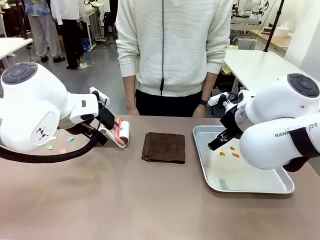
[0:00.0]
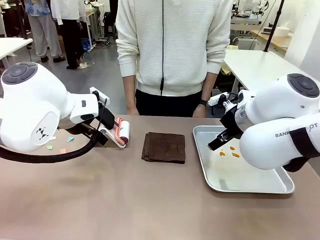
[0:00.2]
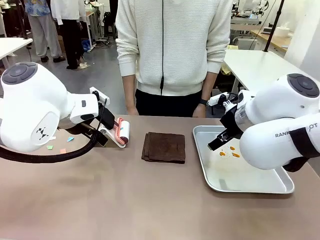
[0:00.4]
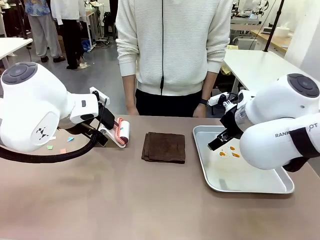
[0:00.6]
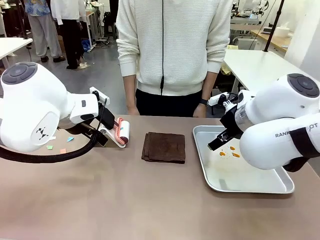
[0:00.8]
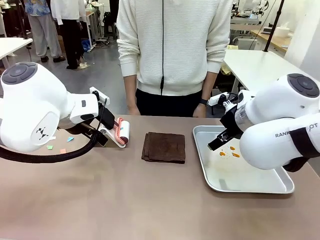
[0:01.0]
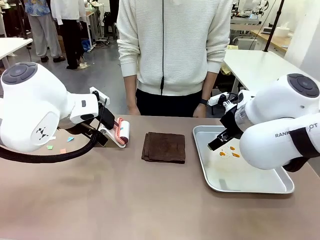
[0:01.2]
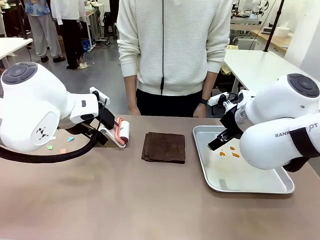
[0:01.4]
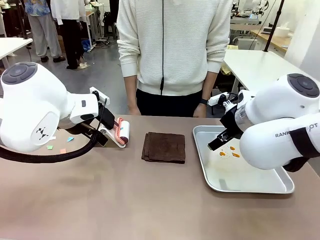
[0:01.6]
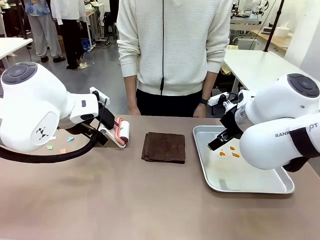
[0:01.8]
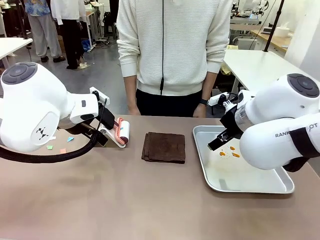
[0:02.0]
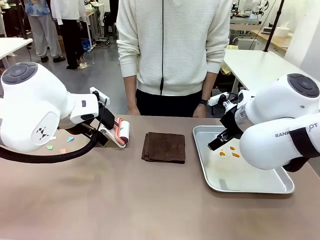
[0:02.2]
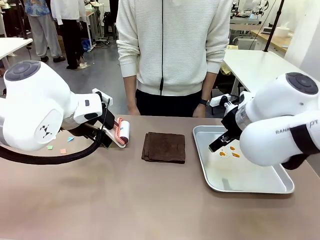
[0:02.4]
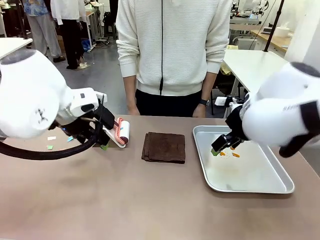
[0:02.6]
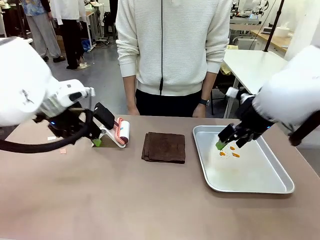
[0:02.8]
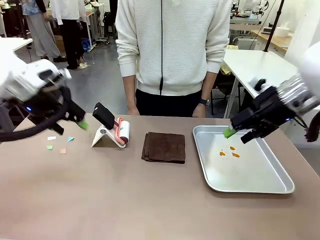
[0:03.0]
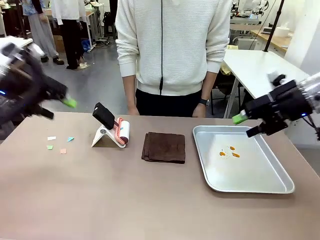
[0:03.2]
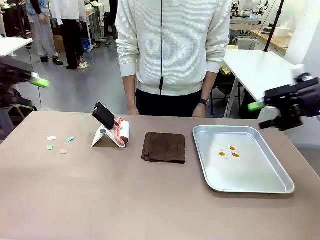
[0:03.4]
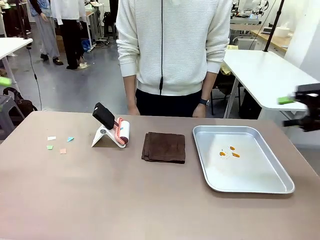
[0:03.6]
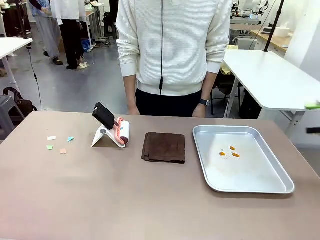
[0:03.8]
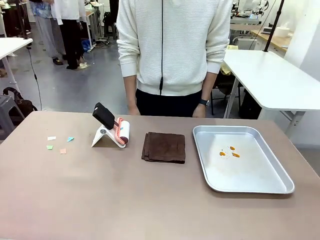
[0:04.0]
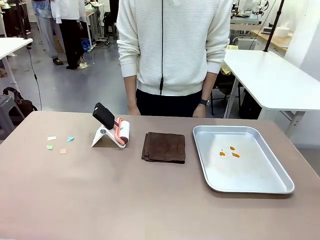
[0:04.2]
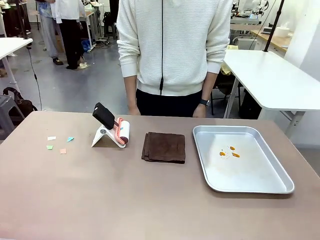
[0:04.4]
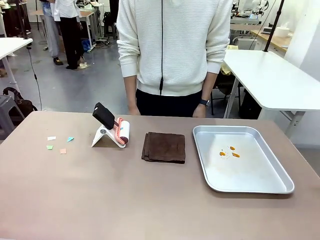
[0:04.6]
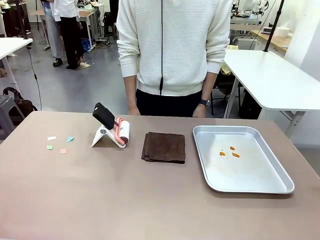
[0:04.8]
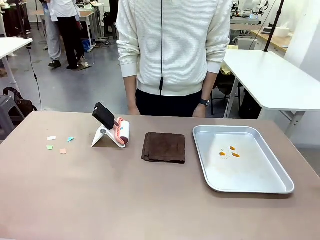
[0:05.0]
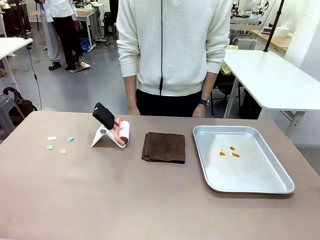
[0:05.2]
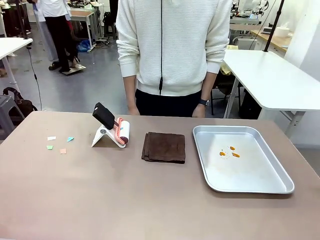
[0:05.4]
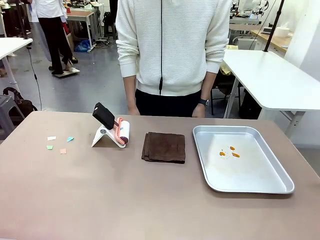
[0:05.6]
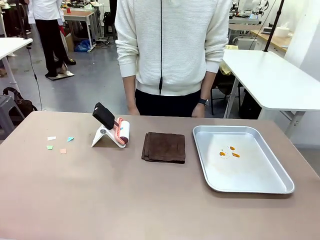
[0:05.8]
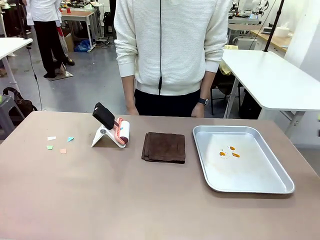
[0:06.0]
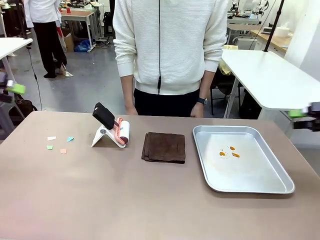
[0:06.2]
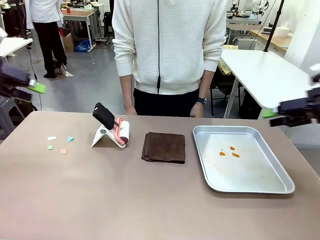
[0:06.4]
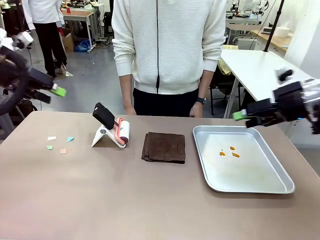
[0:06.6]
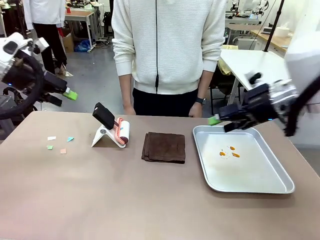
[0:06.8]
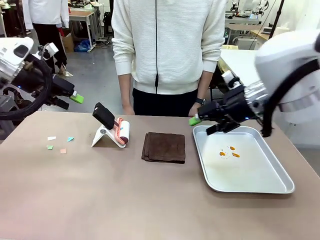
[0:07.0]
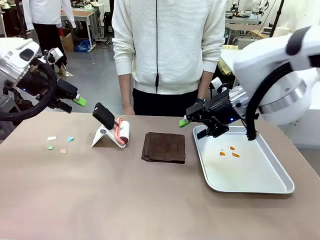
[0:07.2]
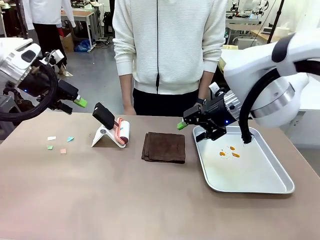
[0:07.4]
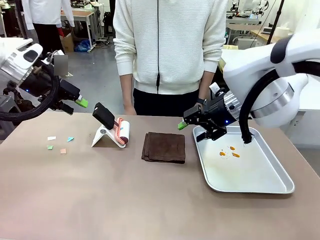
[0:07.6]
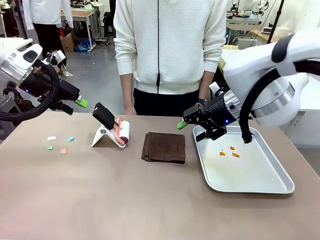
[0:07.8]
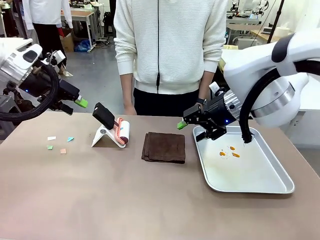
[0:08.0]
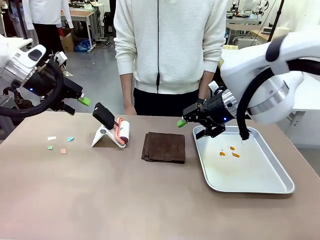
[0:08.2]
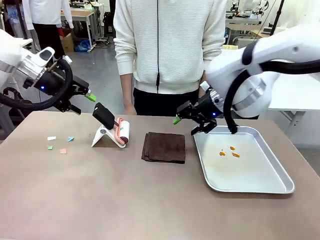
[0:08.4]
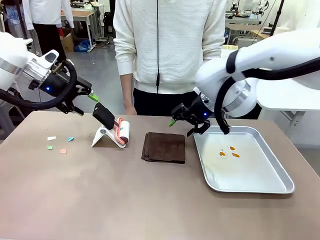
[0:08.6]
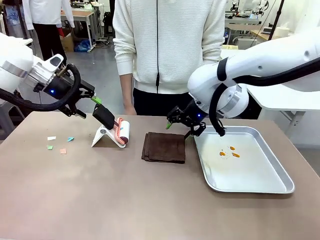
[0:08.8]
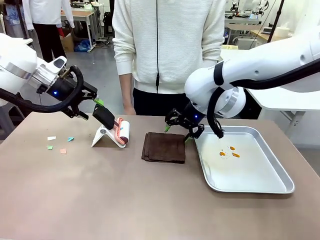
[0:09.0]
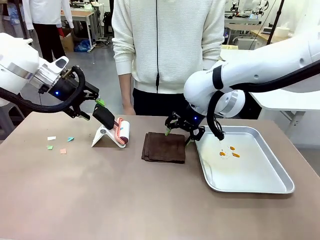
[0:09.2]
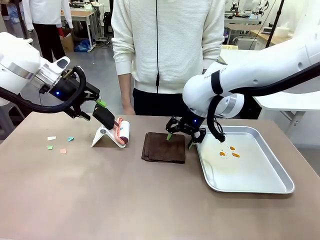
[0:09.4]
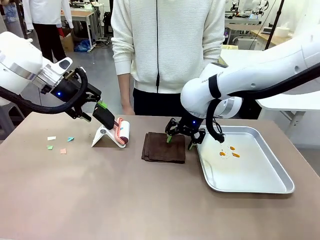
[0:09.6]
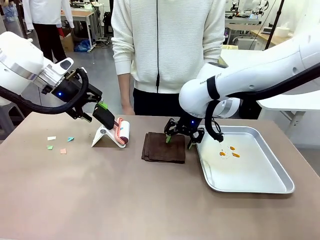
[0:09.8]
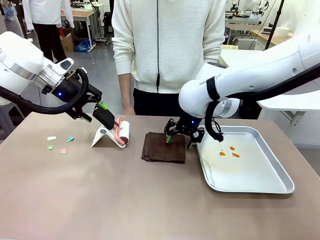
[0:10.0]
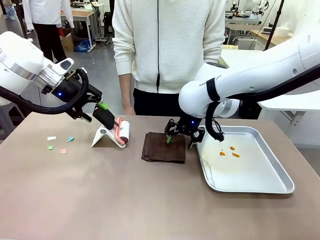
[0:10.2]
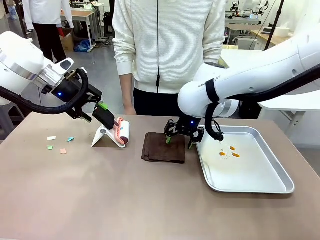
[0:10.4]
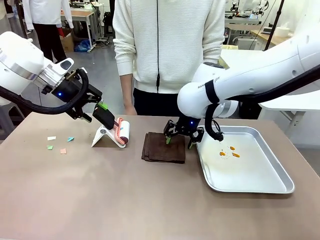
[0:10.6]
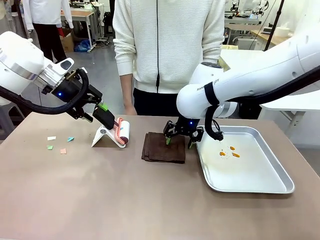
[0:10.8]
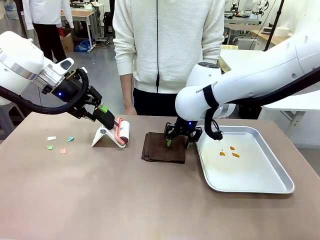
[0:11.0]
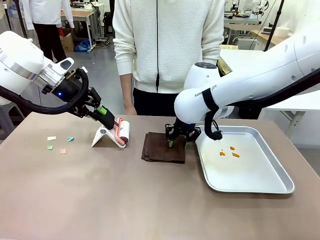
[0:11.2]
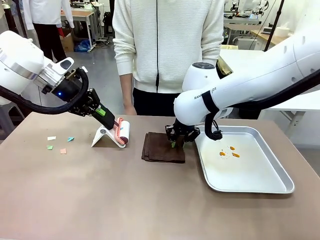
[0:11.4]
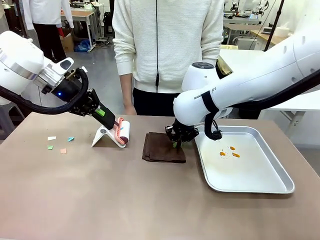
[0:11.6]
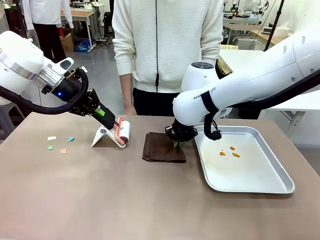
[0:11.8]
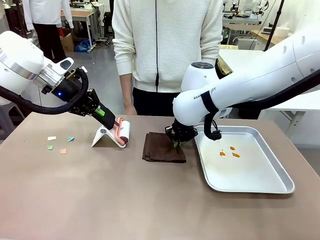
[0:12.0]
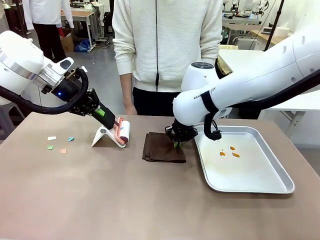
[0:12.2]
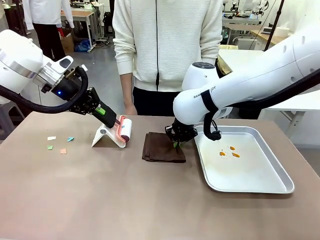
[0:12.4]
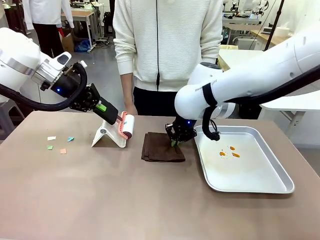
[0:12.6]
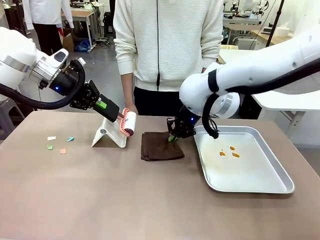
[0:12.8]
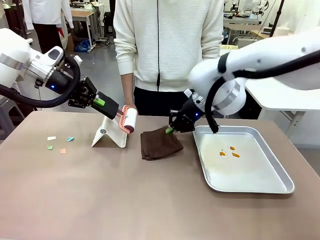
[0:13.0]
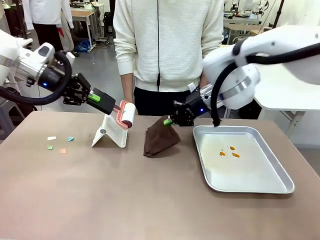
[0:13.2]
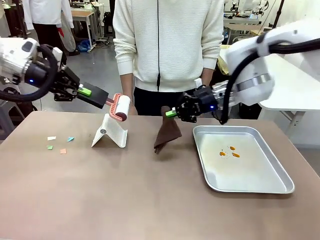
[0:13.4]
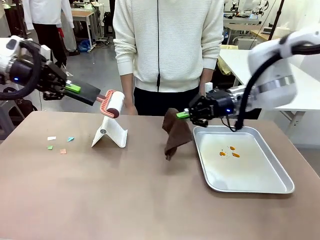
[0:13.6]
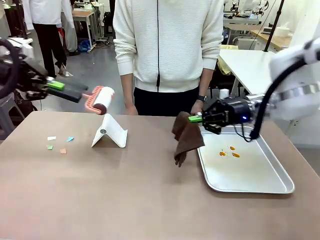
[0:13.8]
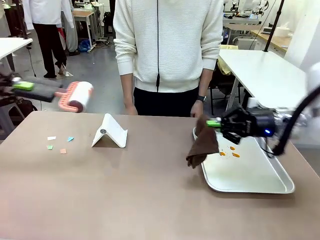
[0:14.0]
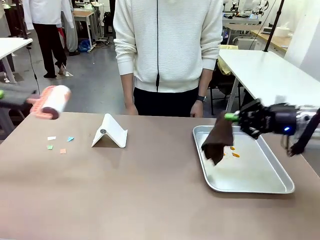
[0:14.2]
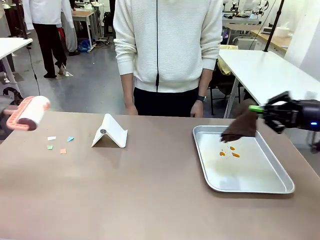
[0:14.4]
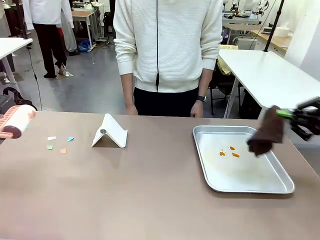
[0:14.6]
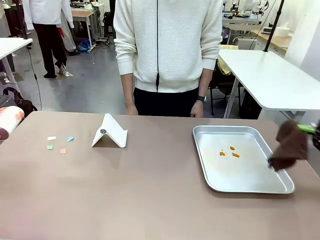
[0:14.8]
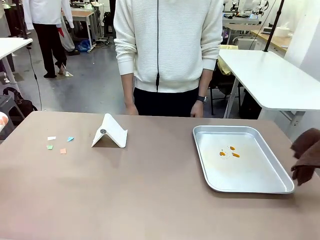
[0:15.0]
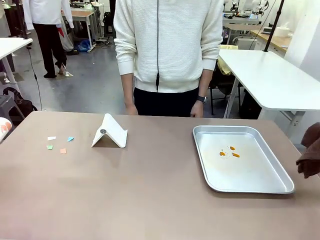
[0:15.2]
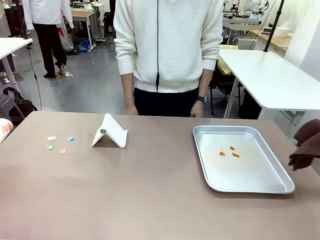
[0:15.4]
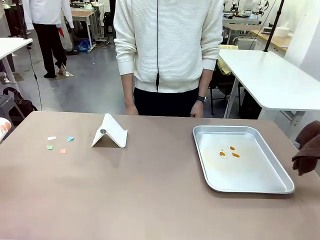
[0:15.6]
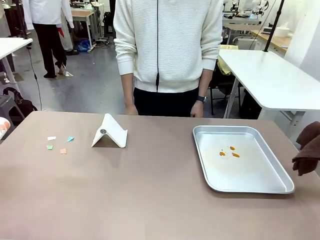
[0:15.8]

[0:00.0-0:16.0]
Task: Clean the surface of the table.
Robot: Hold the Lint Roller with your left hand and the towel with your right hand.

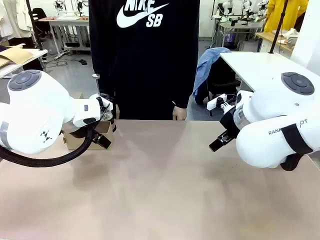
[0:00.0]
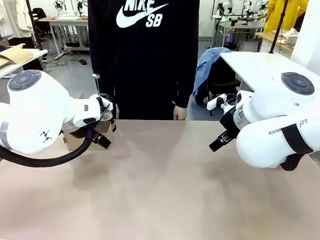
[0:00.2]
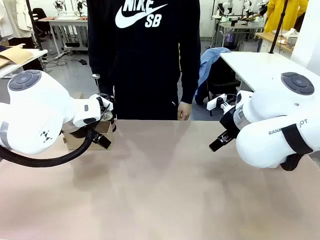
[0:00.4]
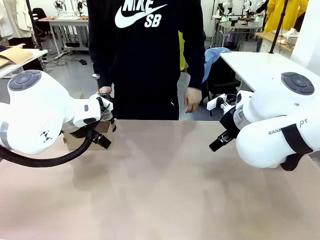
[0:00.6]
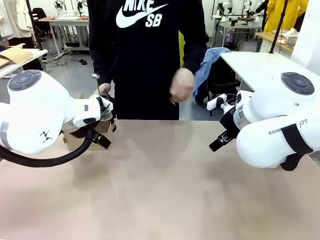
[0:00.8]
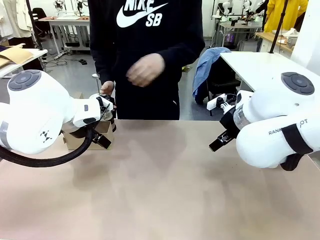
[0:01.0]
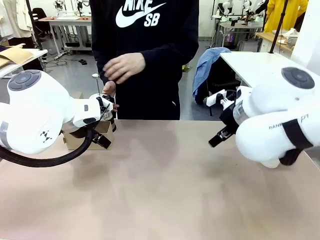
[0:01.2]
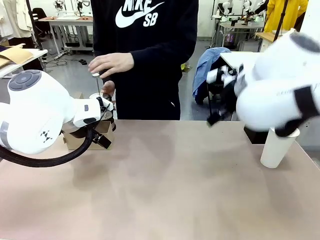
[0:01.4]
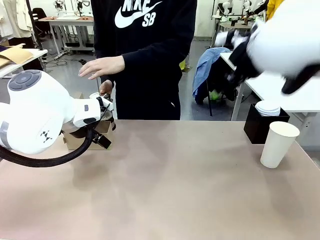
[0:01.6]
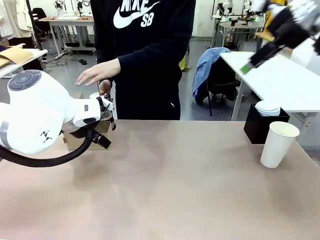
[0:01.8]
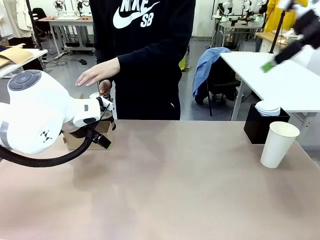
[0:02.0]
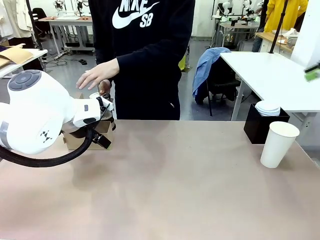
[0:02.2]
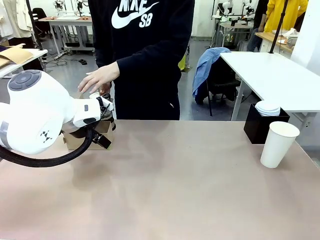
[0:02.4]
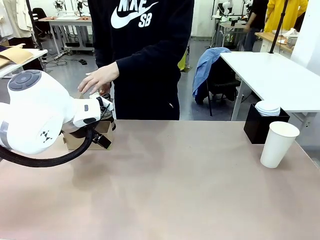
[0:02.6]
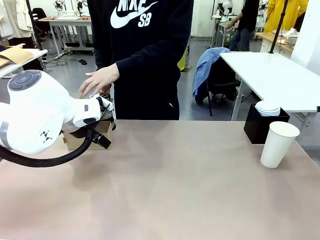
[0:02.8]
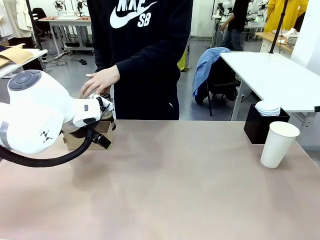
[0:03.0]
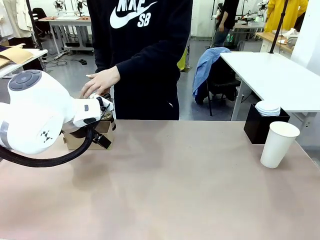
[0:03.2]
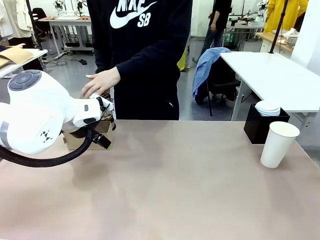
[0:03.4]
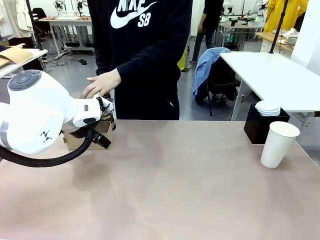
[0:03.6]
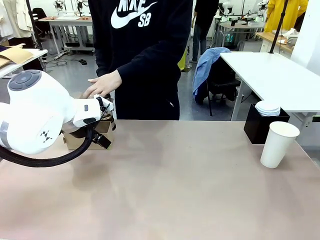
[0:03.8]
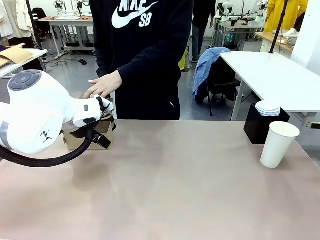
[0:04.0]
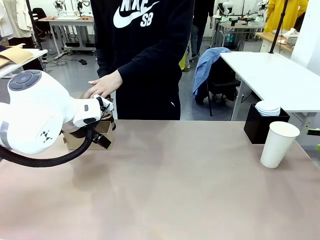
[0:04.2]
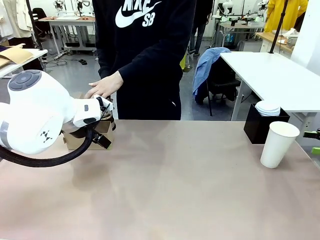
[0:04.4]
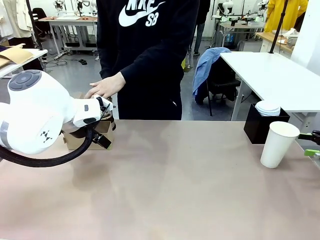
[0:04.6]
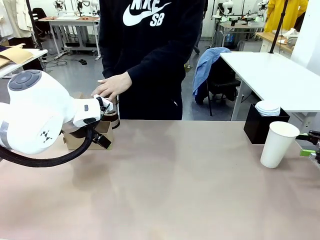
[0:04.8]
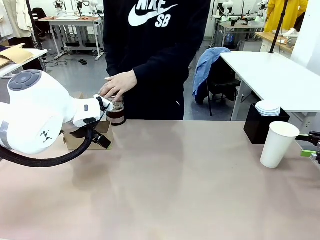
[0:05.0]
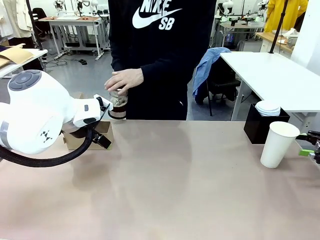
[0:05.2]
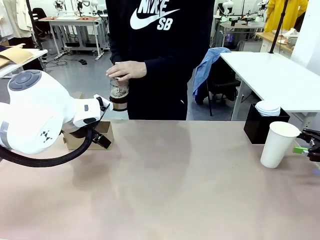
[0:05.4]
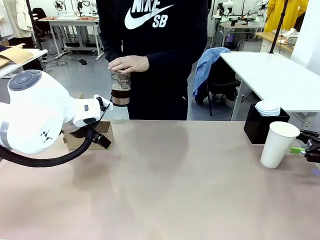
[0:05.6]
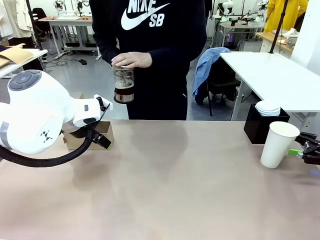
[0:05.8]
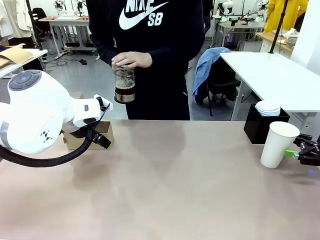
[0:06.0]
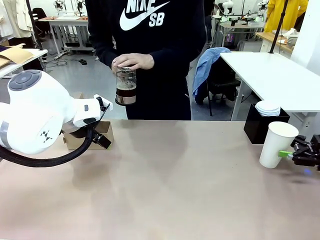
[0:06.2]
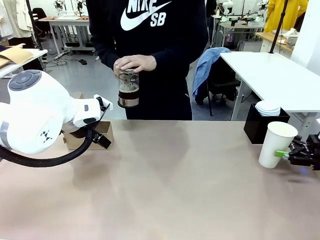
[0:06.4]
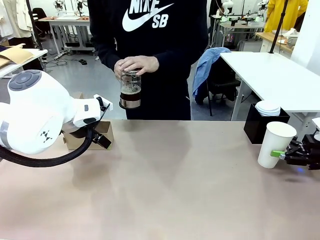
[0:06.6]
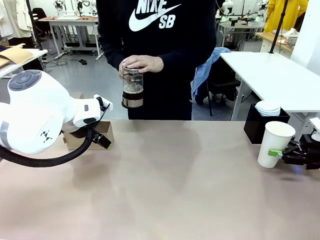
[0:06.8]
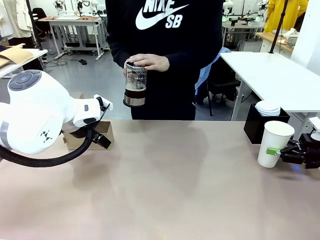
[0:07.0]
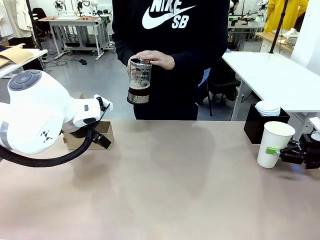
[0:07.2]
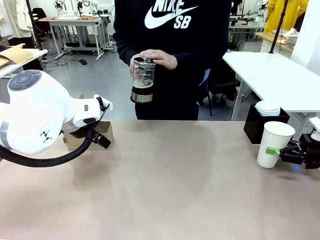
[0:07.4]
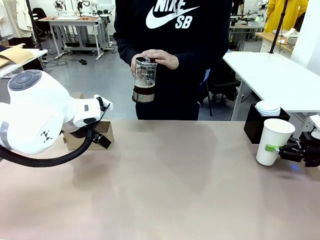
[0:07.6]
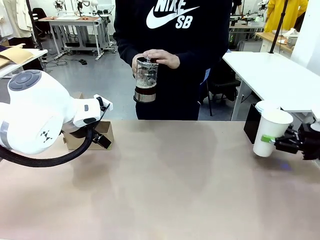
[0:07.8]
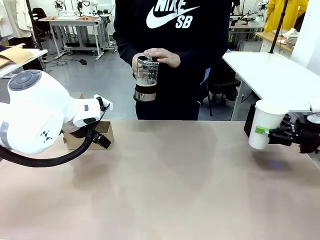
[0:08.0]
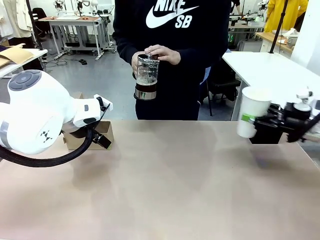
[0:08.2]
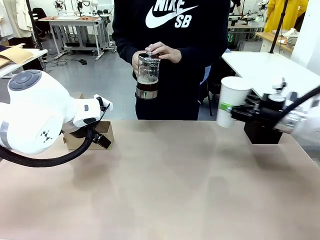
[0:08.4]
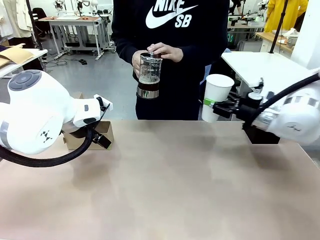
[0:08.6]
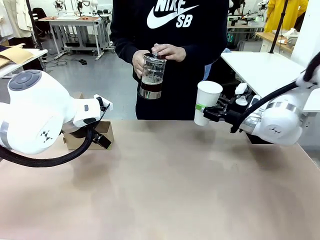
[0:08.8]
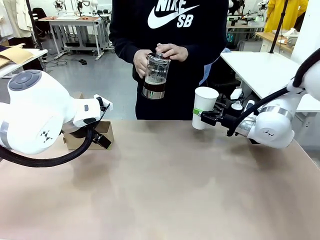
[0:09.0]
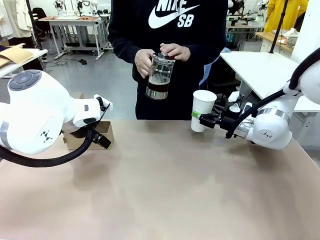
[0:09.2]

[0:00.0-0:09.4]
Task: Pour a drink into a cup and package it in a carrier.
Robot: Pick up the 600 ml Paper Cup and place it in the middle top area of the table.
Person: Press and pick up the Filter Brewing.
